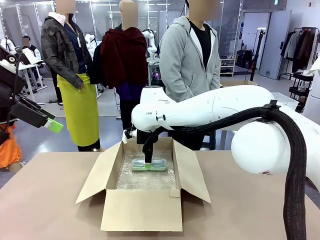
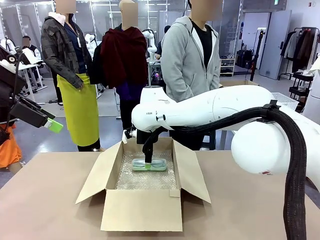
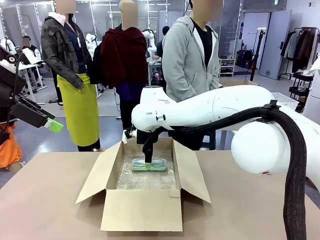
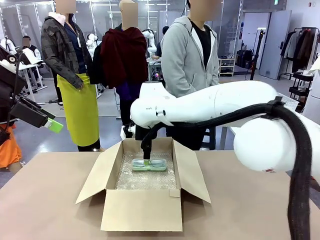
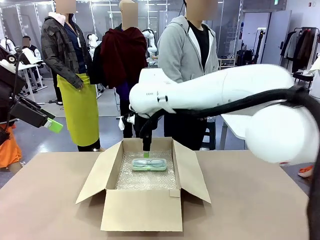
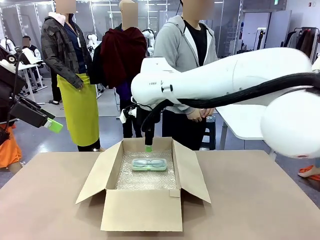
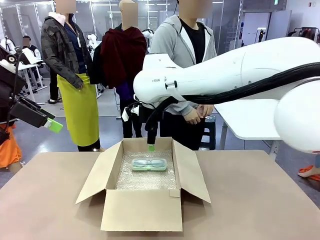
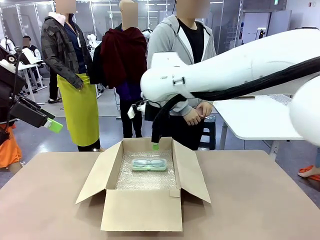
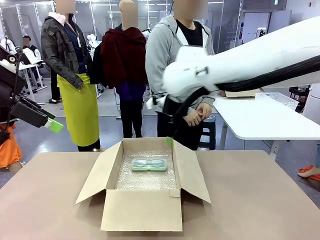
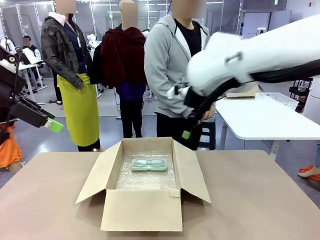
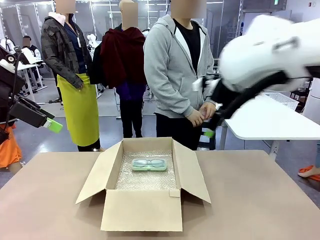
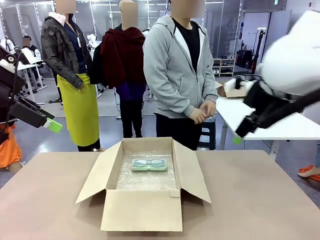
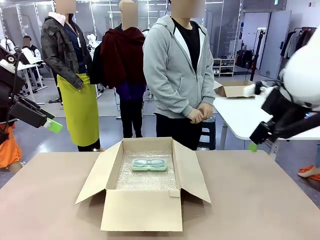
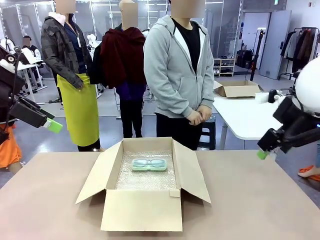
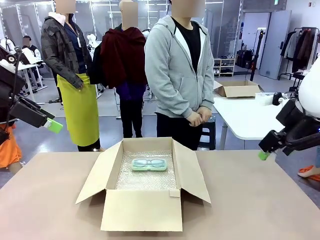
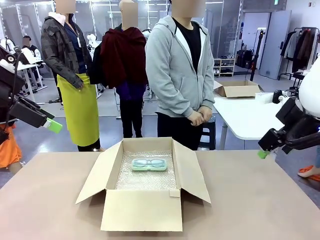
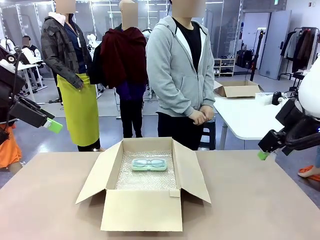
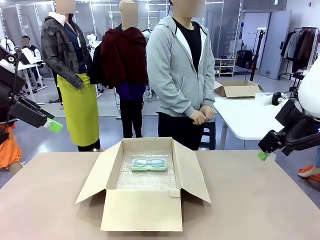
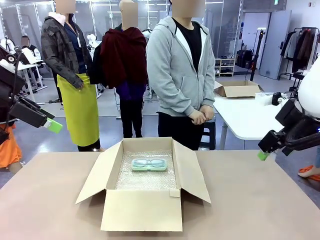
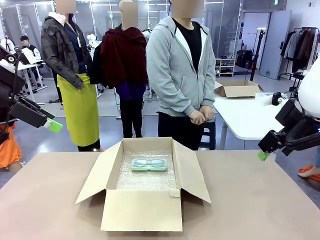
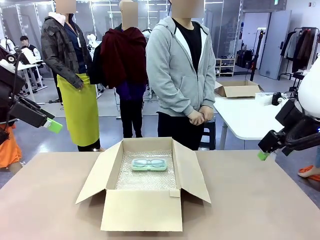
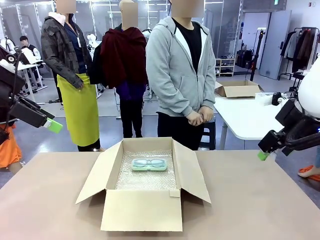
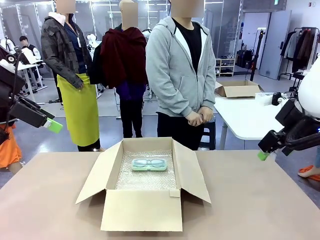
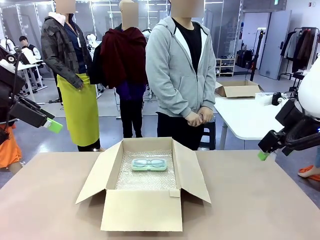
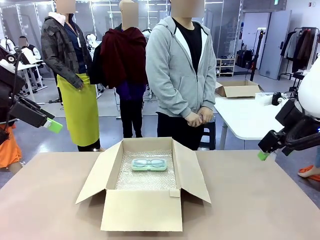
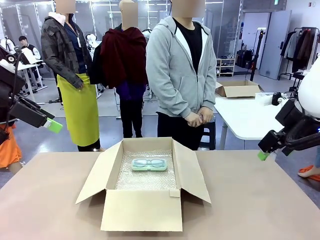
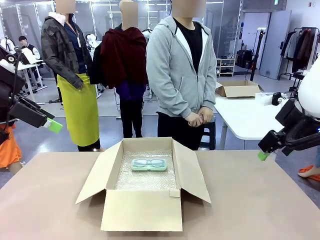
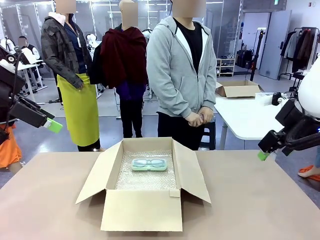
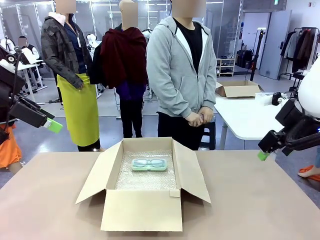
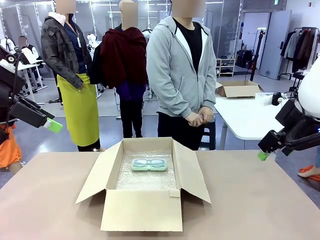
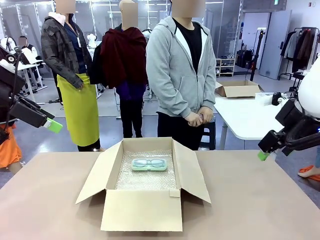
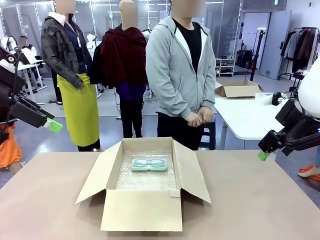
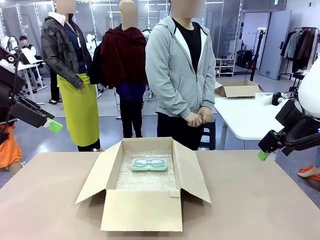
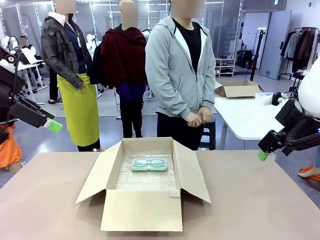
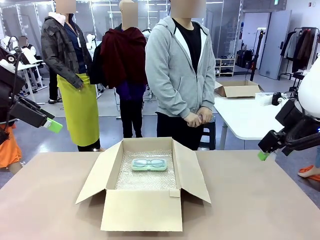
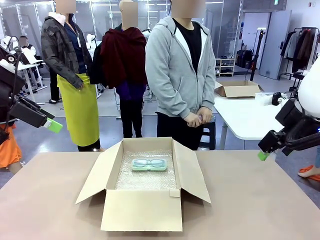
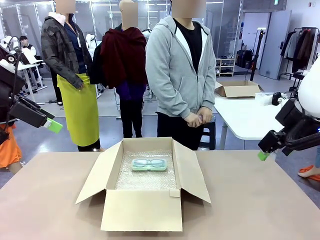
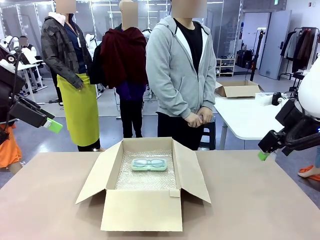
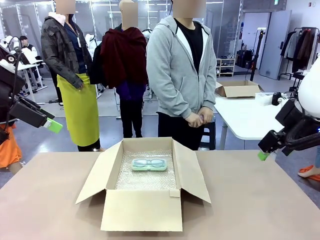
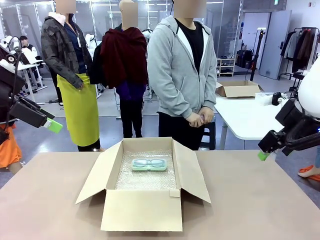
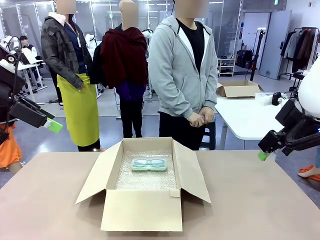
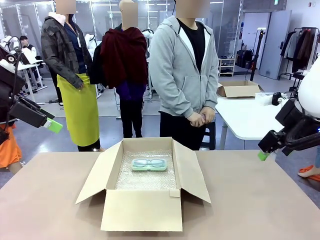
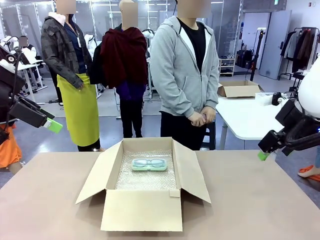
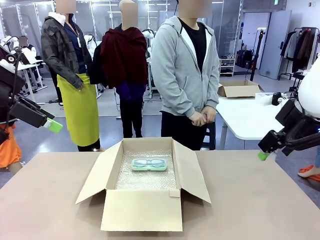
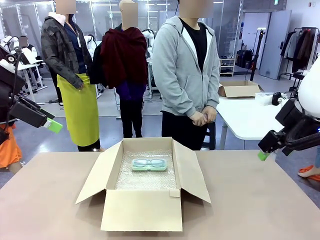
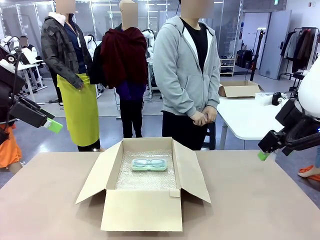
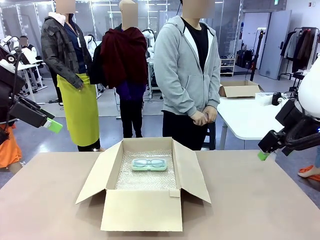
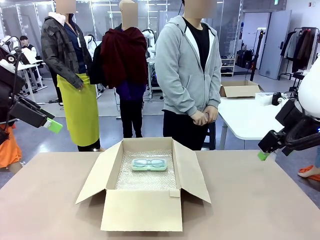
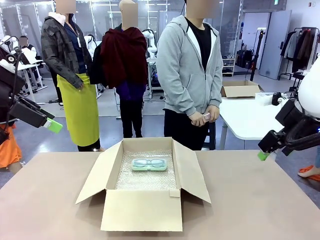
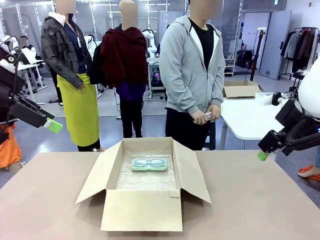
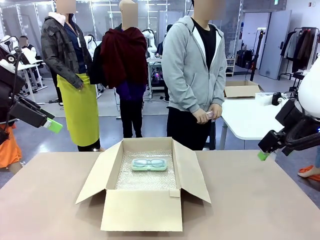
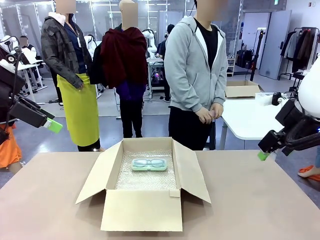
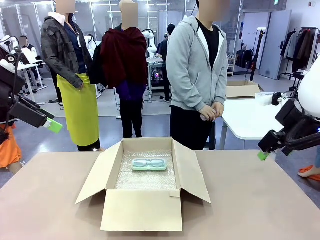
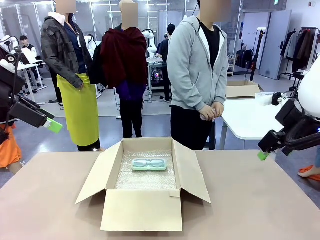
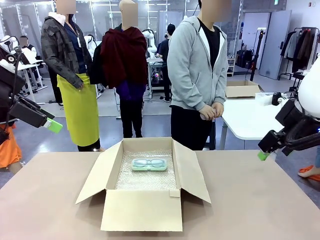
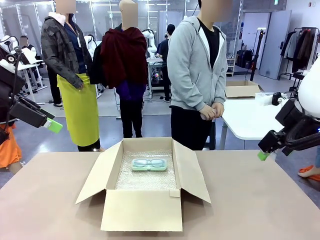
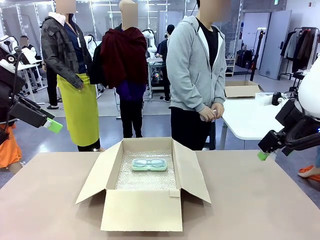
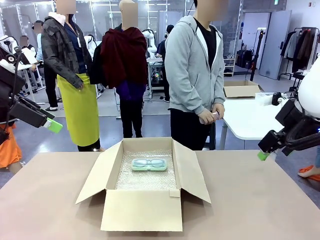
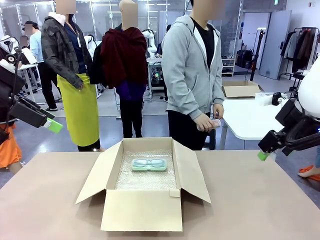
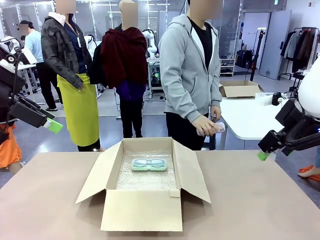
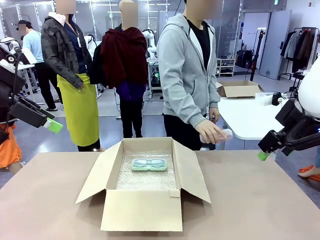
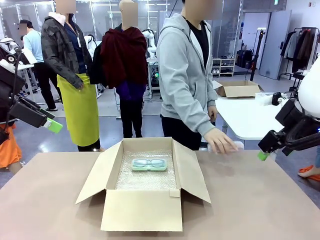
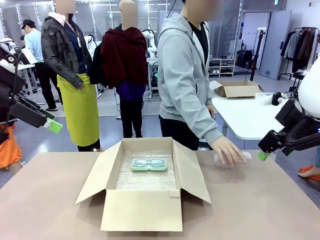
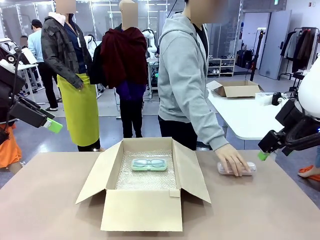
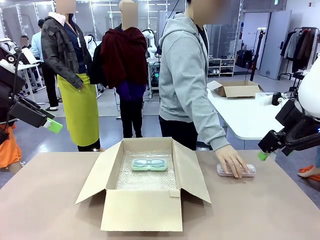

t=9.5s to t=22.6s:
Task: Pack the glasses set securely to prepare it for shipping.
Robot: Put the Glasses case from the right side of the table into the Package Box.
Person: Position the Glasses case on the left side of the robot's table.

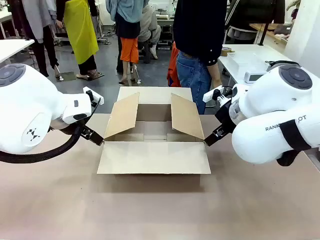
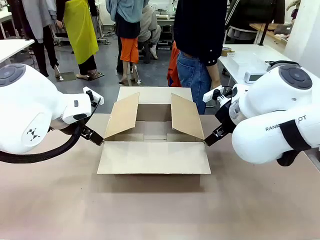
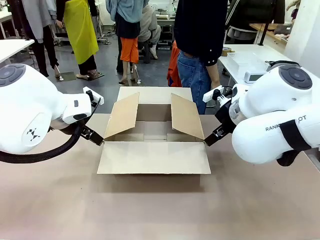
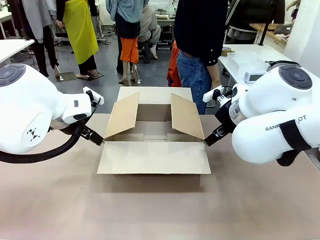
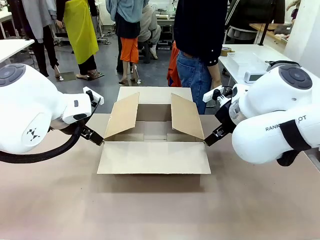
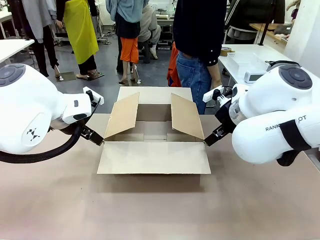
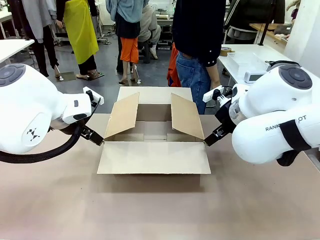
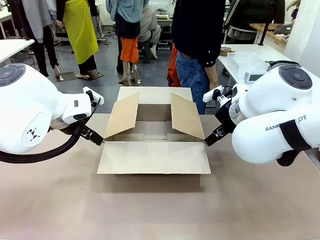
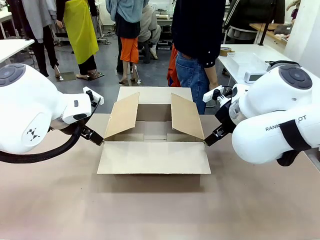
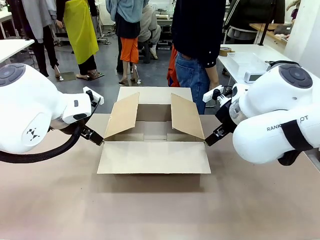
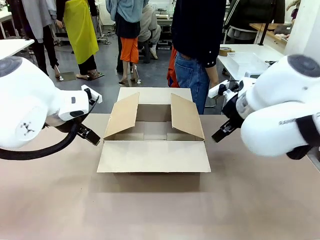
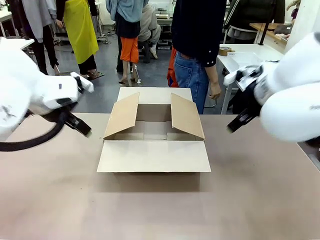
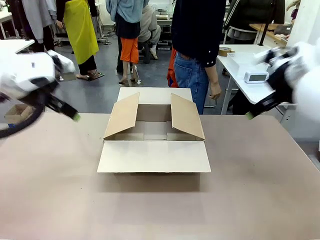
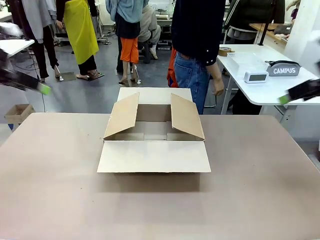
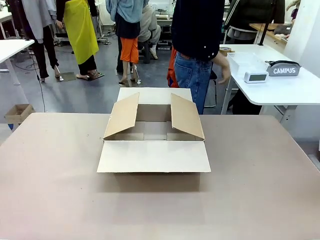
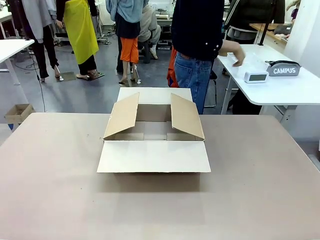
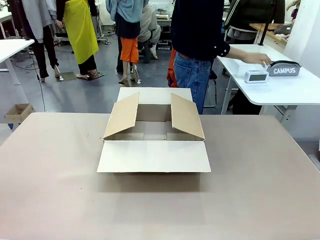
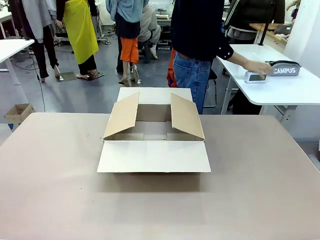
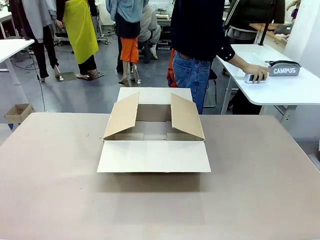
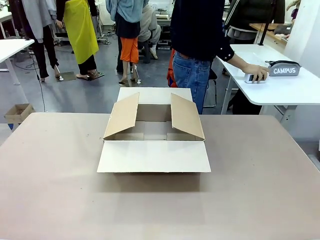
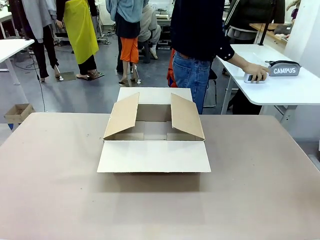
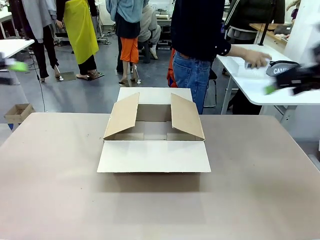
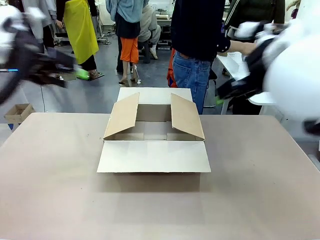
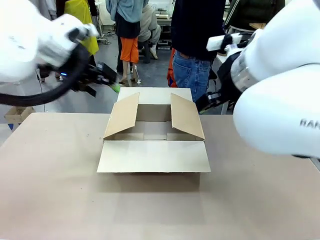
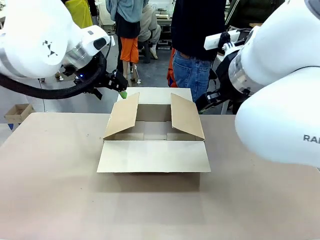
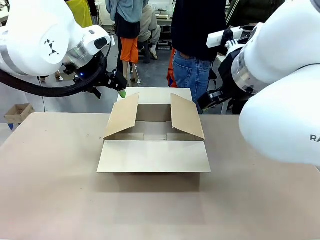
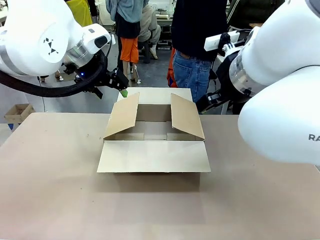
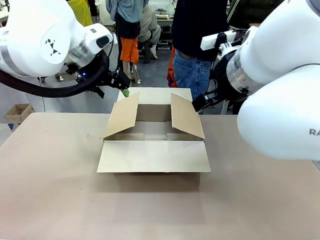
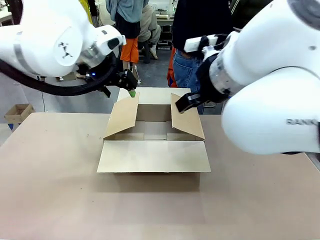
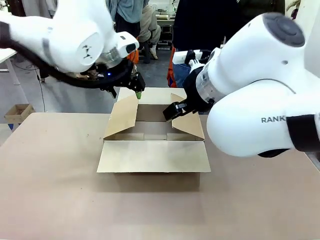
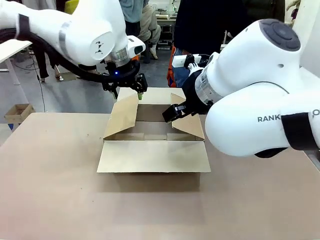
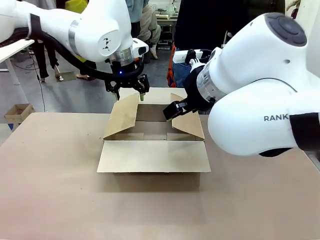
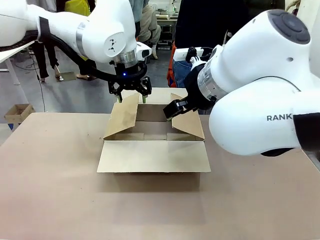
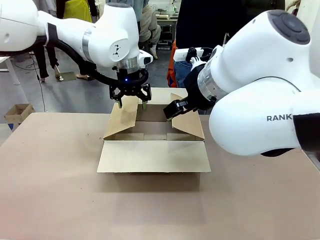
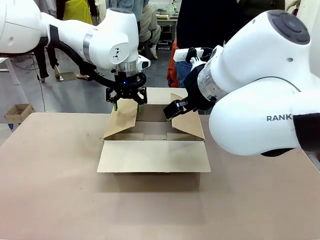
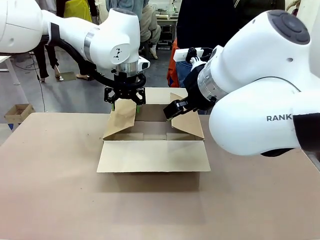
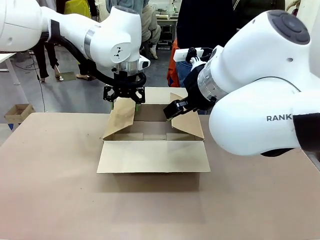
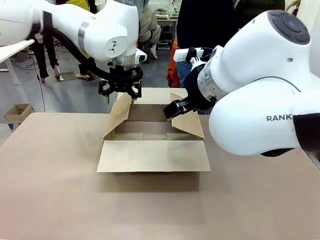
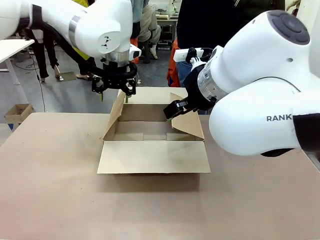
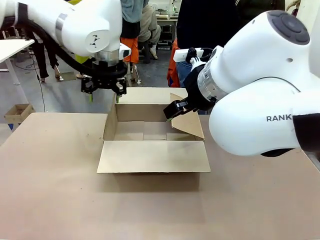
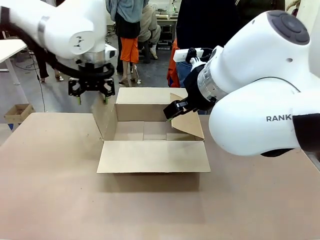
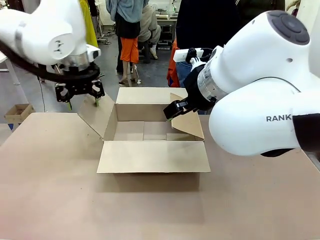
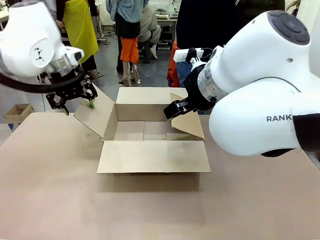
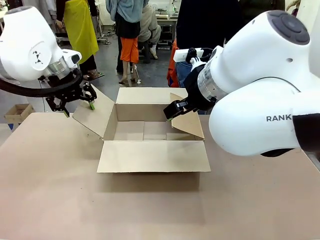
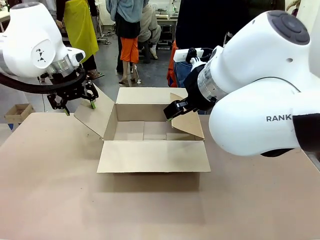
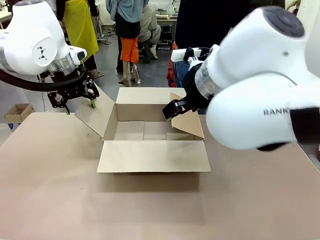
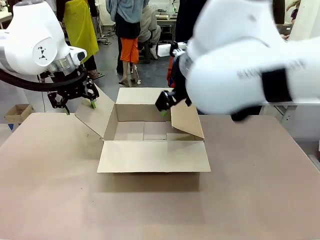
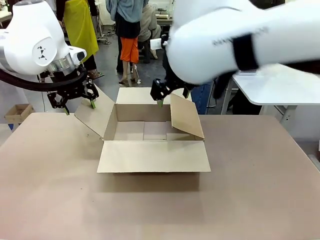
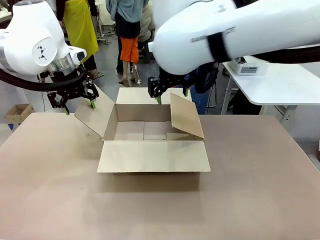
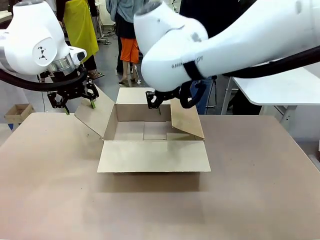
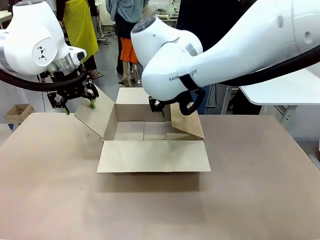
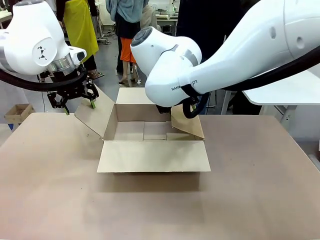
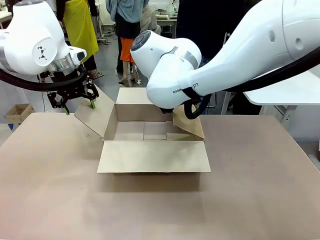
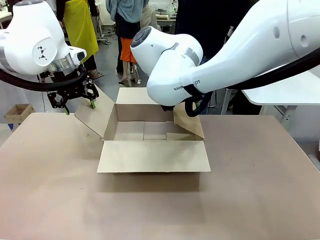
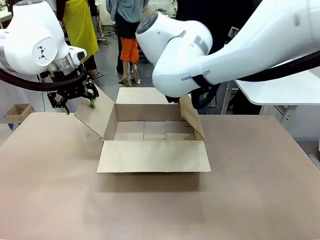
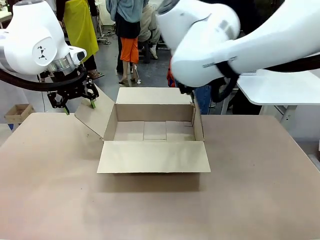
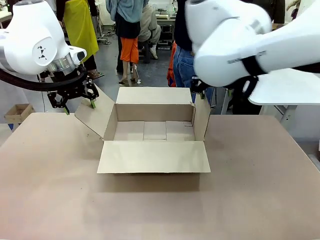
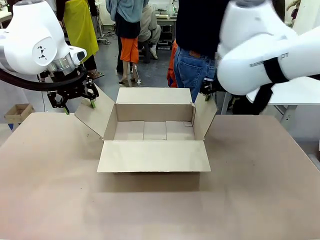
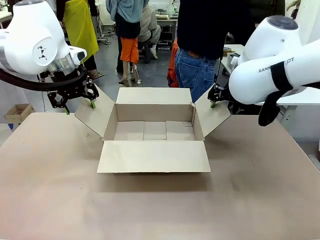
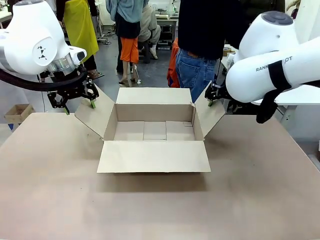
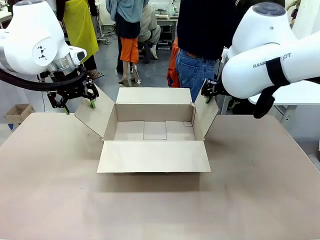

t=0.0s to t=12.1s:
Task: Pack the gift set into the box.
Robot: Place both hands on the side flaps of the Package Box and spread them outward.
Person: The human places all items except the paper tape into the organizing basket.
